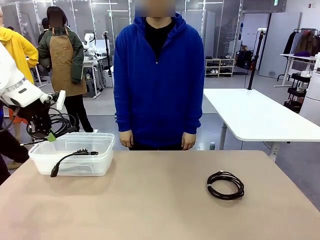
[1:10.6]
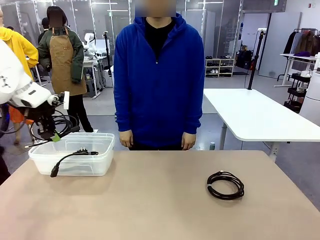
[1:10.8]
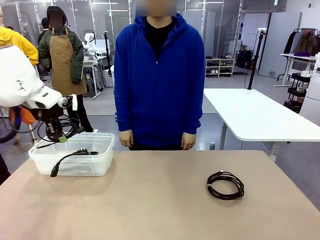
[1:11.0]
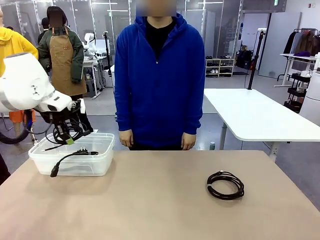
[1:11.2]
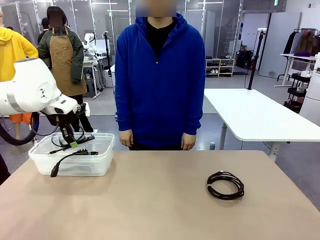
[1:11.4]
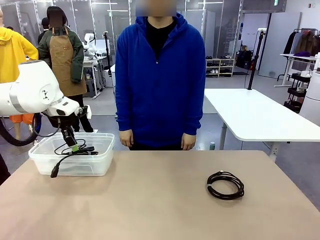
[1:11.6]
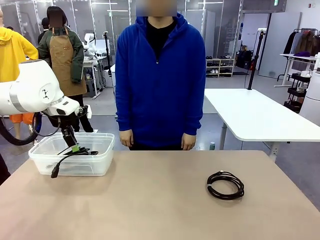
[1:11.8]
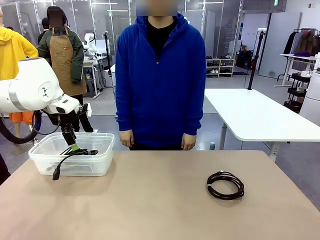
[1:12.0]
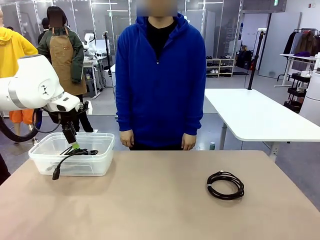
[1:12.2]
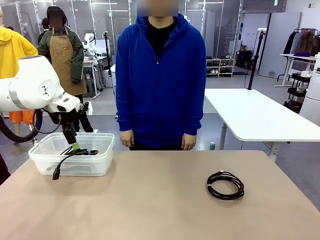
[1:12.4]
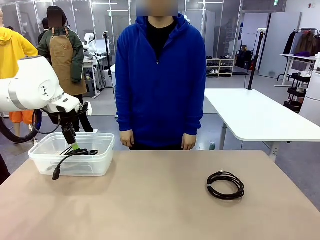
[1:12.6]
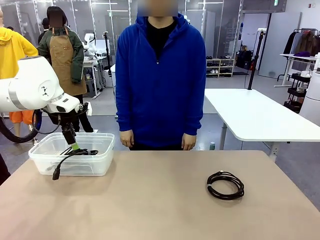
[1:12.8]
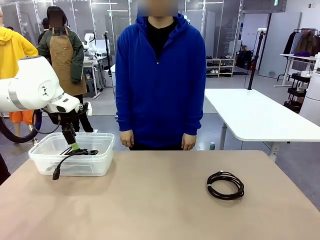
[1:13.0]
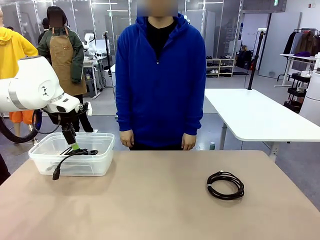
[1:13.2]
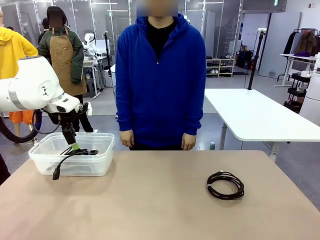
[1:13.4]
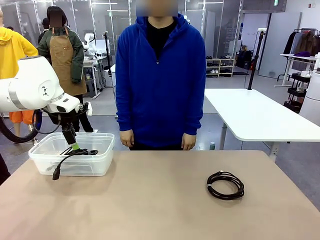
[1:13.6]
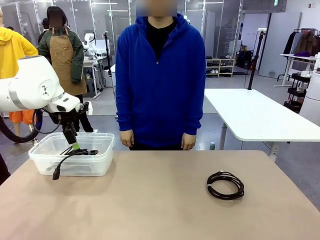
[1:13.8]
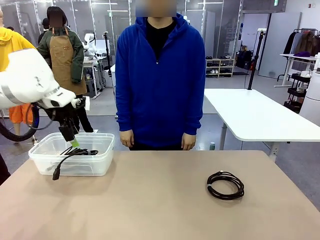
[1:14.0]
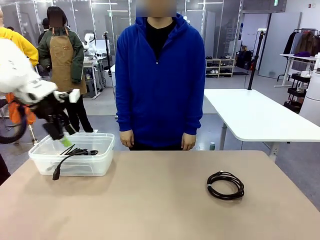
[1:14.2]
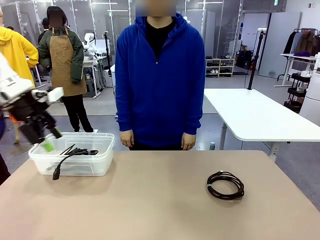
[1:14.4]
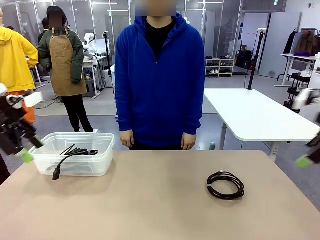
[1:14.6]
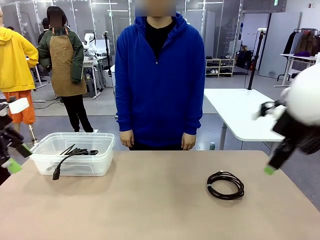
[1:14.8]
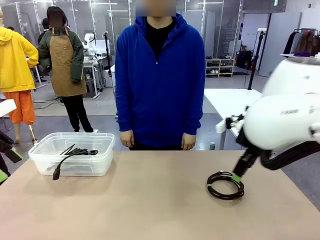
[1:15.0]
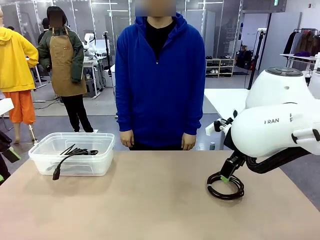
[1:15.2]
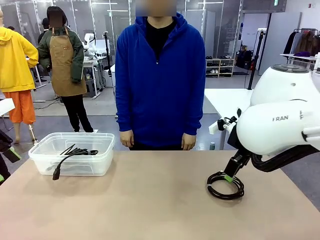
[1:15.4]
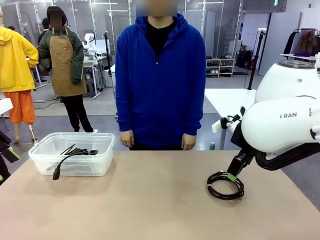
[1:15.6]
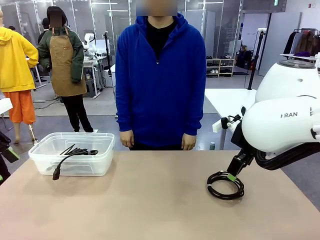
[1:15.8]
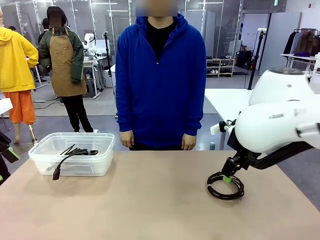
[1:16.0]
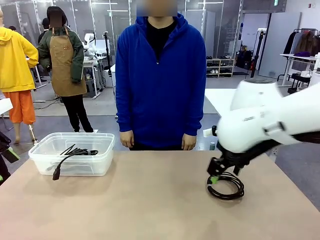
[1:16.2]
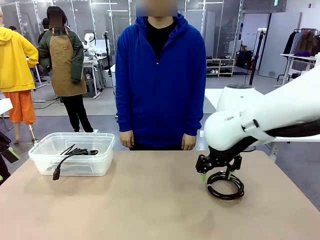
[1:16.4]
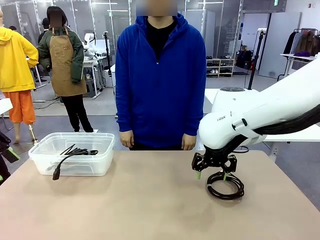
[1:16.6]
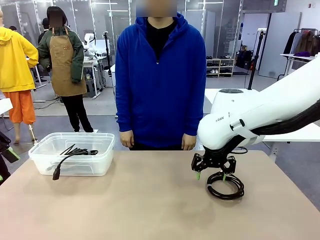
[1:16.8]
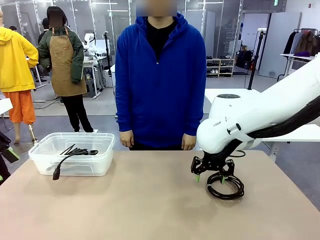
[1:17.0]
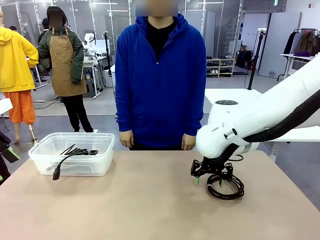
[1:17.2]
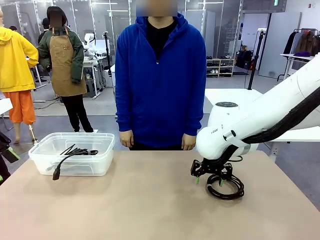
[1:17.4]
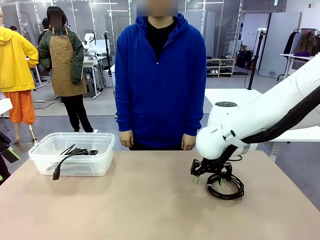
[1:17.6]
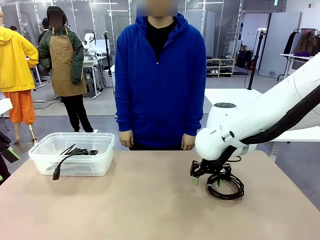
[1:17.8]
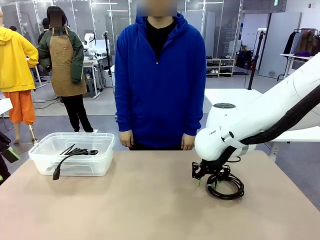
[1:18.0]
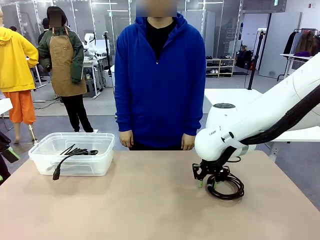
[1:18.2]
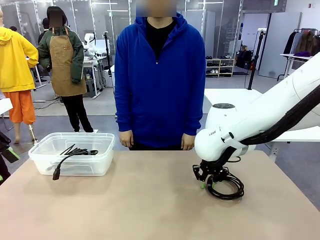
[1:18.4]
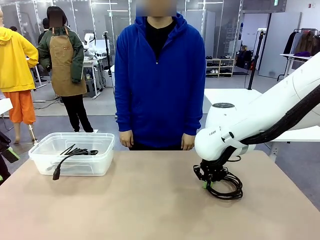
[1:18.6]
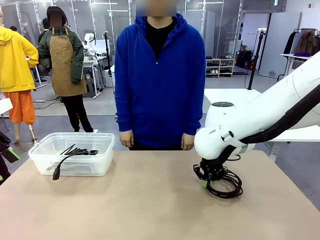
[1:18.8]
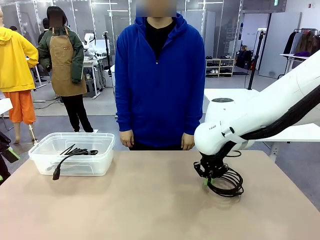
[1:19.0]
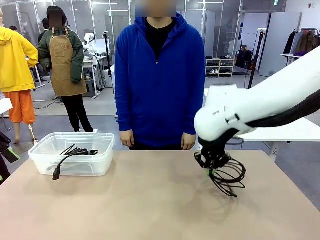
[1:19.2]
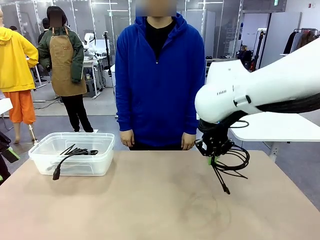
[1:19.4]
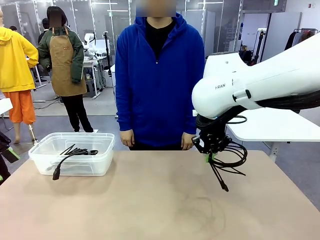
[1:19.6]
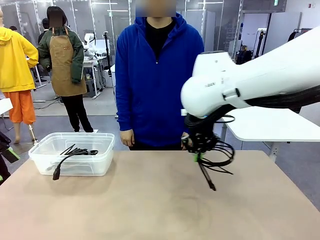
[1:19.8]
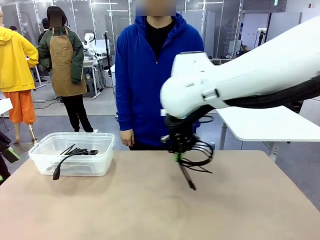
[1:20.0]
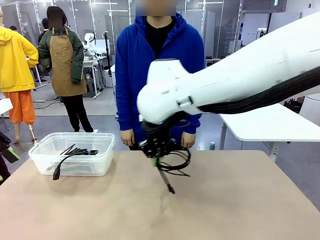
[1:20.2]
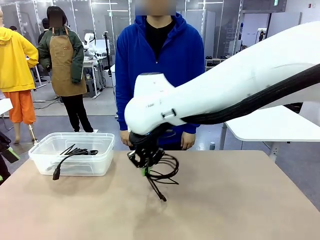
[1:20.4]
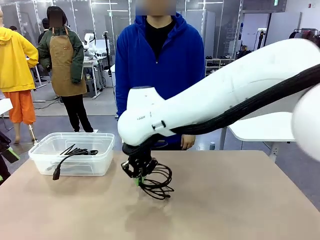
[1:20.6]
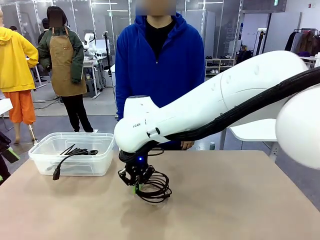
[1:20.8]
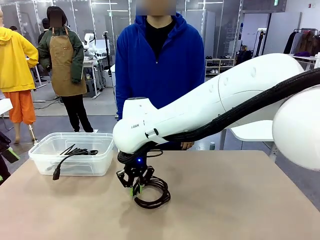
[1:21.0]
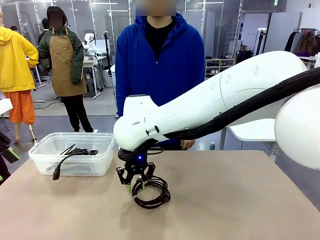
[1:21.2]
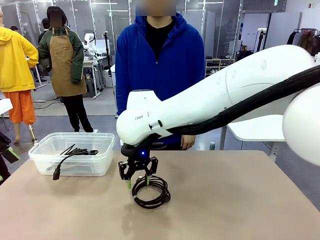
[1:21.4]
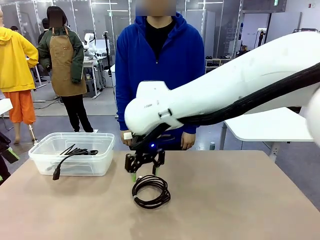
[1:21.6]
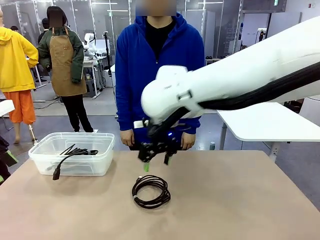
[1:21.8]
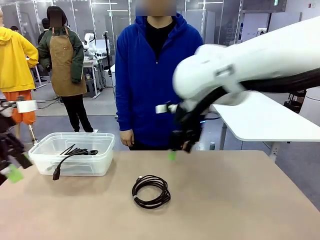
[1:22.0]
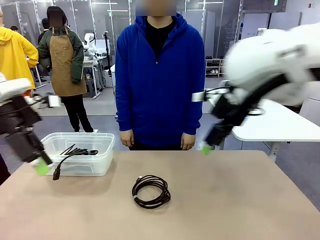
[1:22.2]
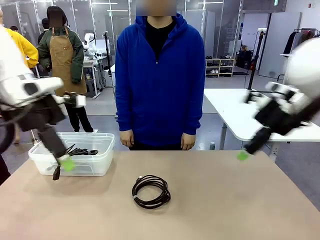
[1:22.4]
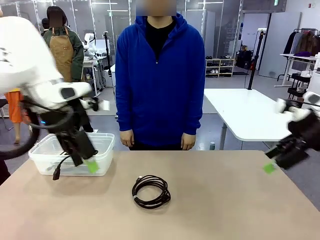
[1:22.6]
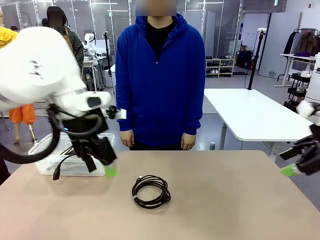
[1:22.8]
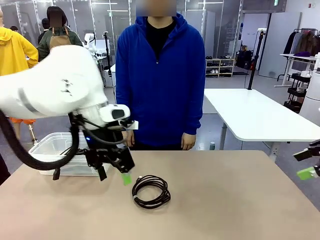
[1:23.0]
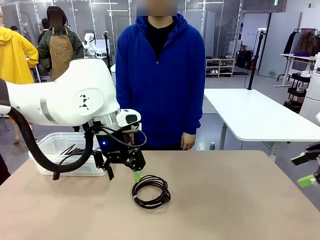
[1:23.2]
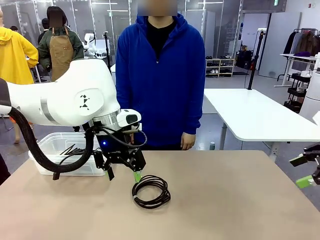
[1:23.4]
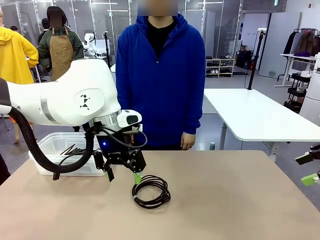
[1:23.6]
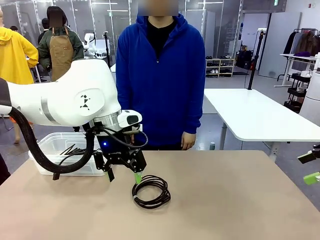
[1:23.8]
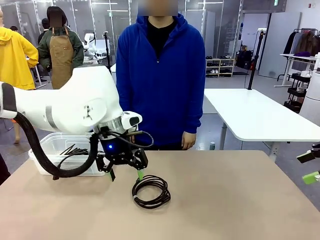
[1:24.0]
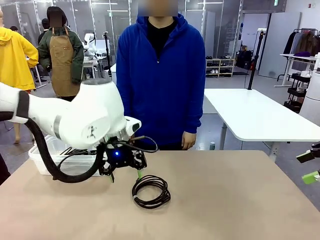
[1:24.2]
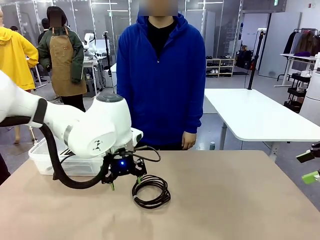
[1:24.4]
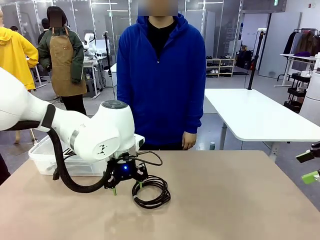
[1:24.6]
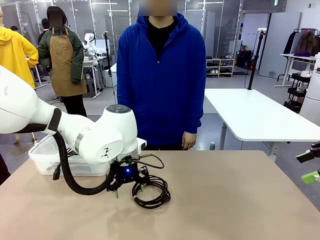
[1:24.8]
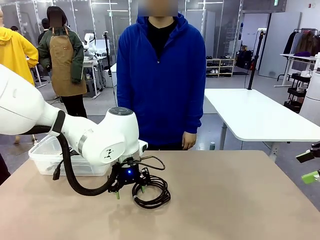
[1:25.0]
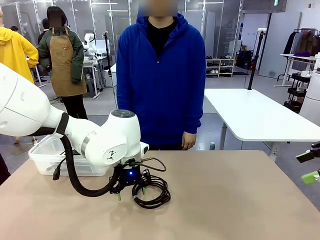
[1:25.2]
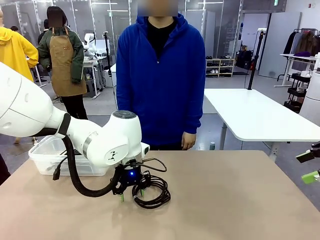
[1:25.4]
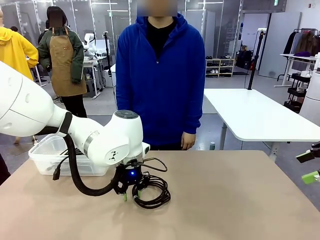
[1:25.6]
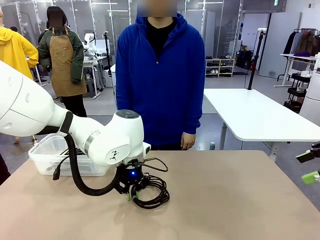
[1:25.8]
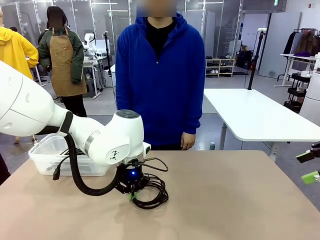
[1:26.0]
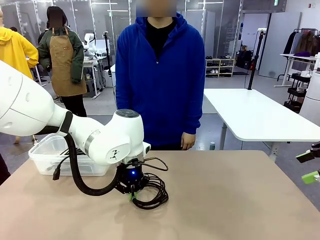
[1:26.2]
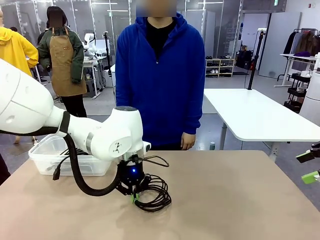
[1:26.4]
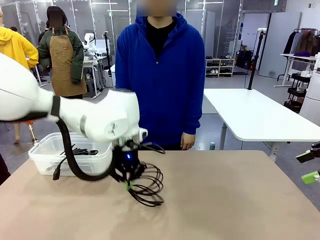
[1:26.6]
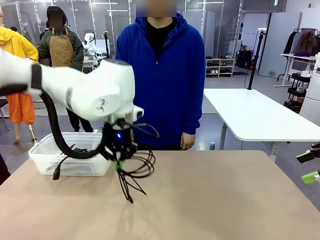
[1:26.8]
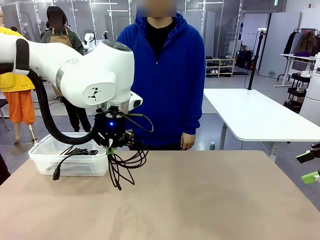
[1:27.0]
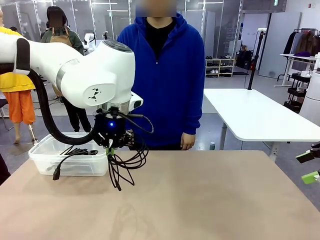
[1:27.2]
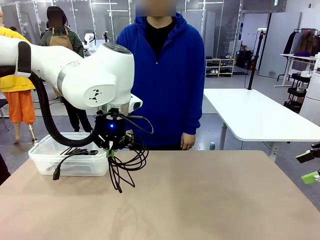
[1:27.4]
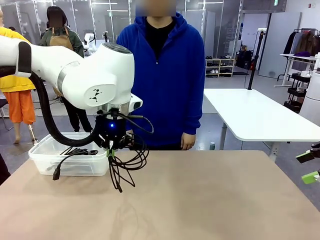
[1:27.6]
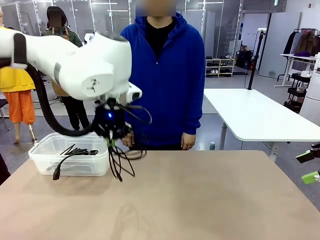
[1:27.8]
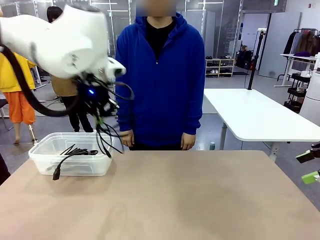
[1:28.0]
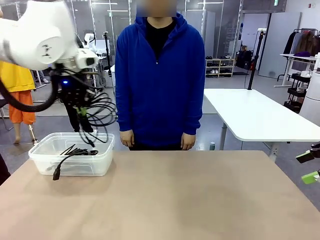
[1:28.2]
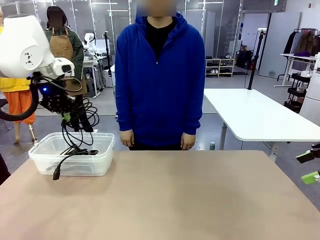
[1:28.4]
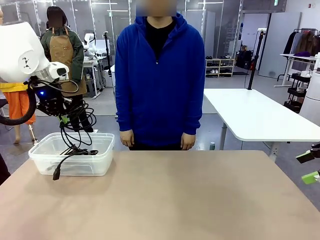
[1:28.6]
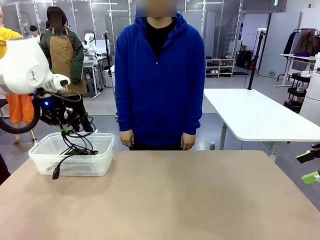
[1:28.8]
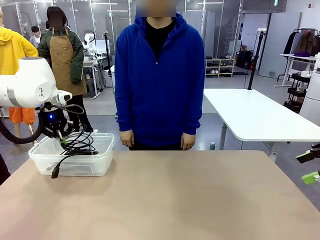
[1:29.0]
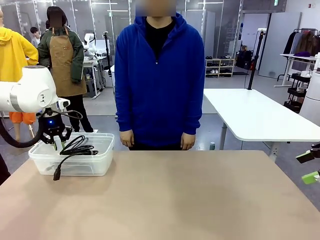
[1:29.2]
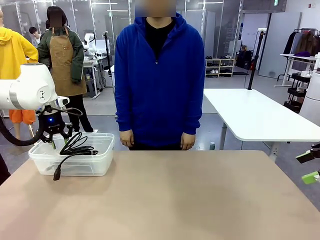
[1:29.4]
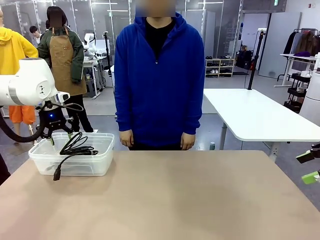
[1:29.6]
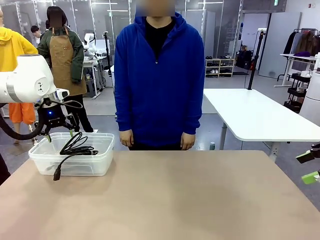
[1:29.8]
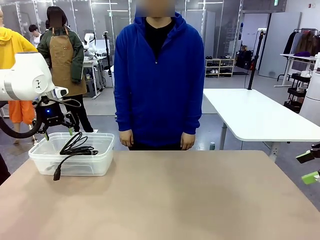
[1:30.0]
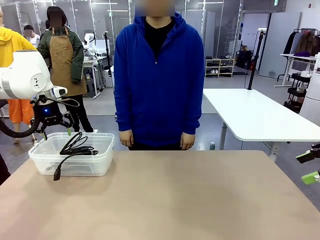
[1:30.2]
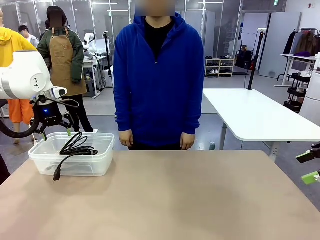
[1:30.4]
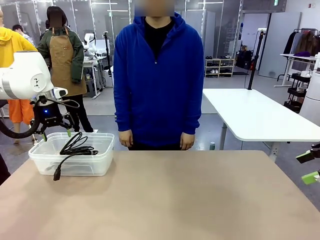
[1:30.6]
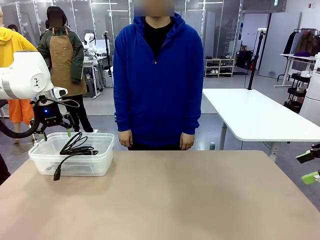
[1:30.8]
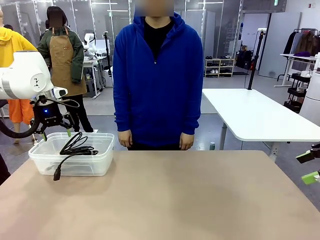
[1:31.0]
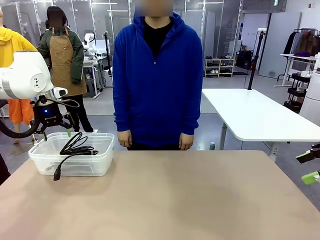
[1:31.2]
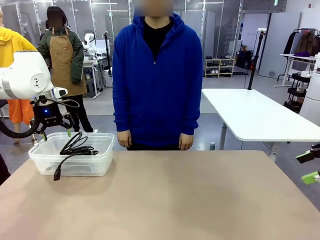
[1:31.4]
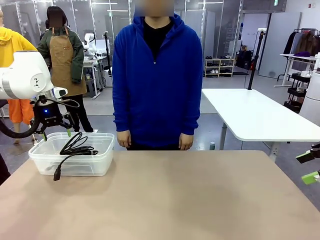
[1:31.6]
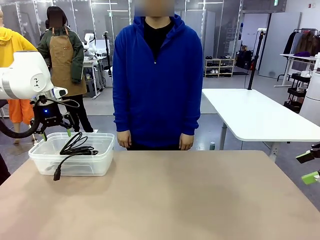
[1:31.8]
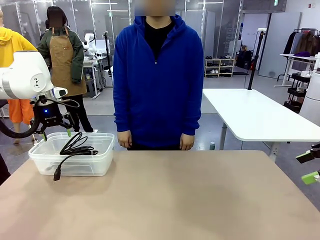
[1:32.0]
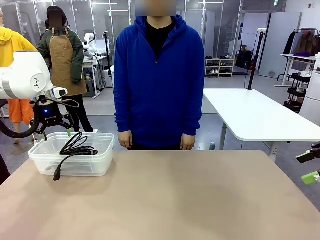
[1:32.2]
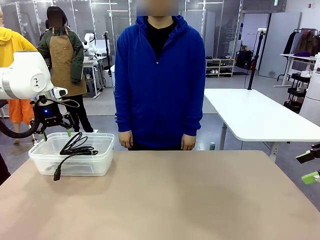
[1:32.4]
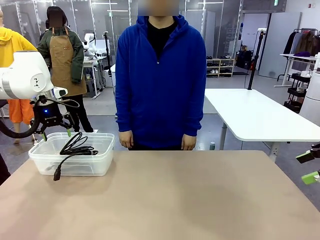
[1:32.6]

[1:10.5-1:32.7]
Task: Organize and store the cables.
Robot: Place the USB Extension Cable into the Organizing box.
